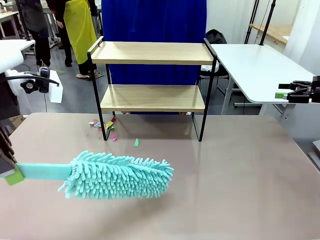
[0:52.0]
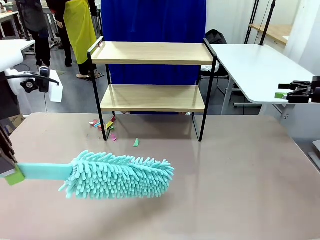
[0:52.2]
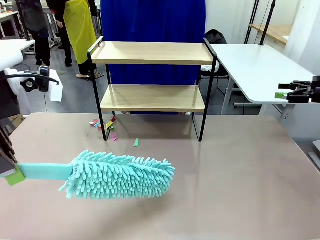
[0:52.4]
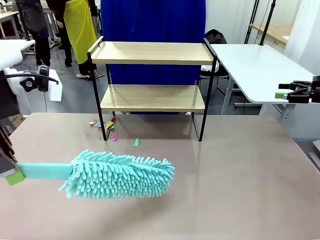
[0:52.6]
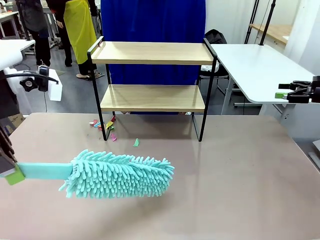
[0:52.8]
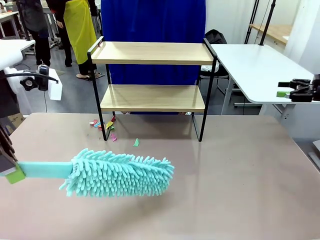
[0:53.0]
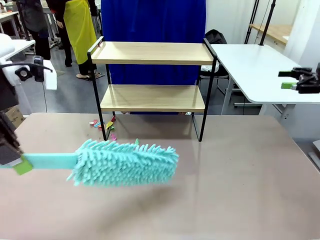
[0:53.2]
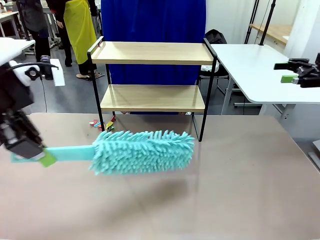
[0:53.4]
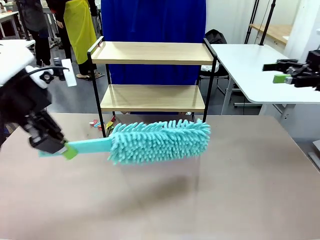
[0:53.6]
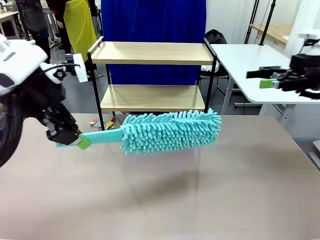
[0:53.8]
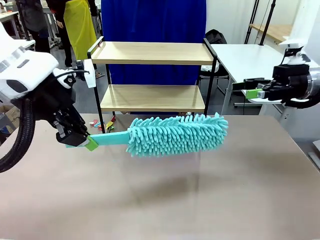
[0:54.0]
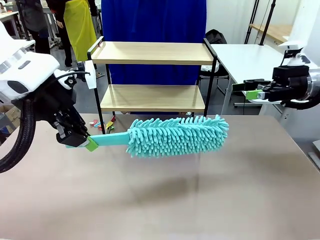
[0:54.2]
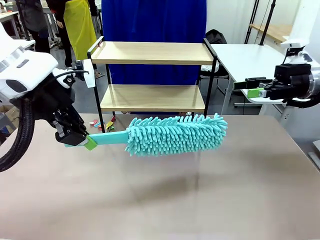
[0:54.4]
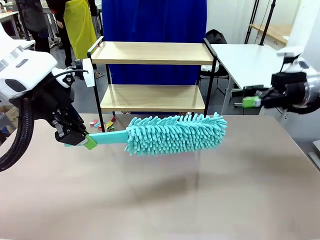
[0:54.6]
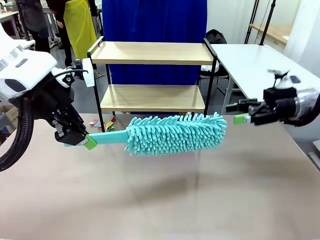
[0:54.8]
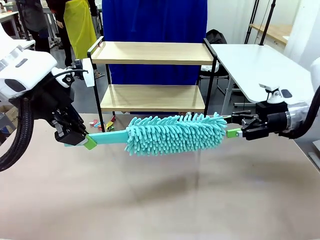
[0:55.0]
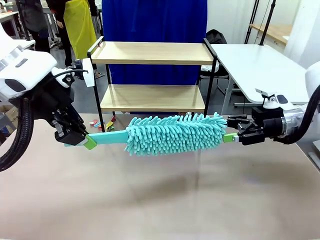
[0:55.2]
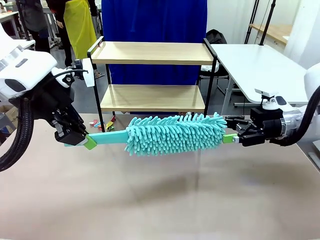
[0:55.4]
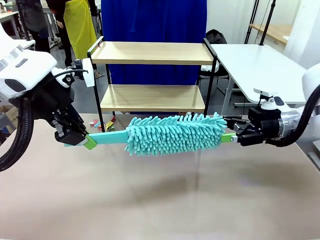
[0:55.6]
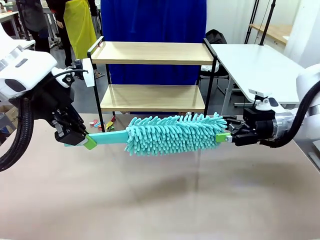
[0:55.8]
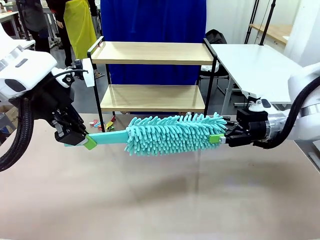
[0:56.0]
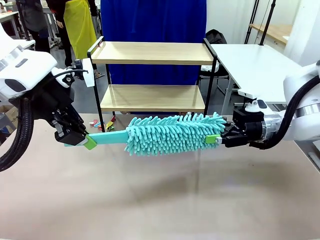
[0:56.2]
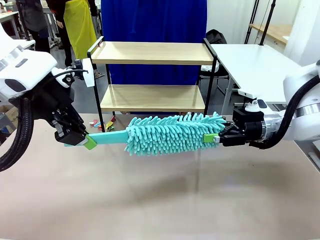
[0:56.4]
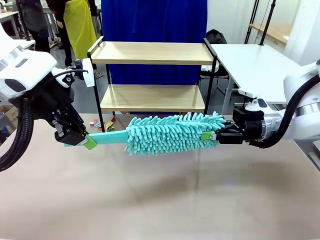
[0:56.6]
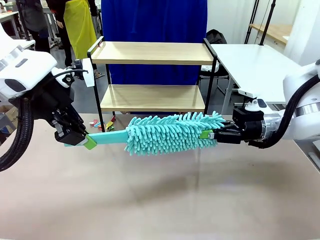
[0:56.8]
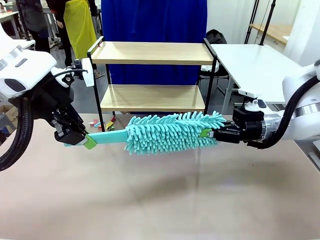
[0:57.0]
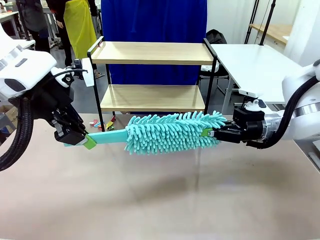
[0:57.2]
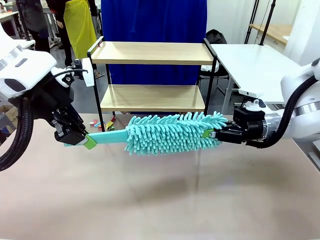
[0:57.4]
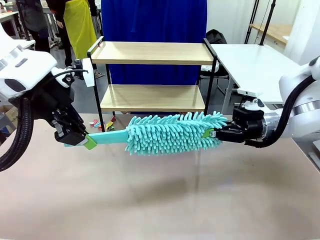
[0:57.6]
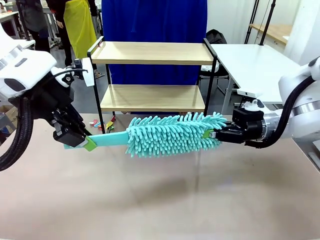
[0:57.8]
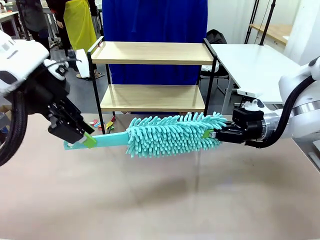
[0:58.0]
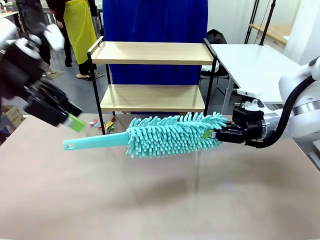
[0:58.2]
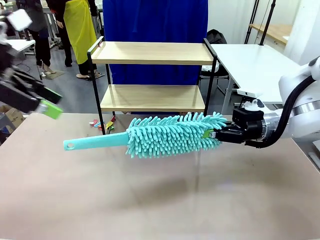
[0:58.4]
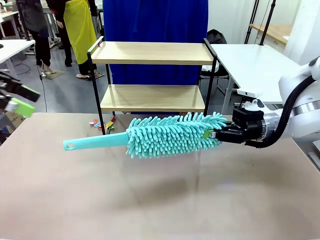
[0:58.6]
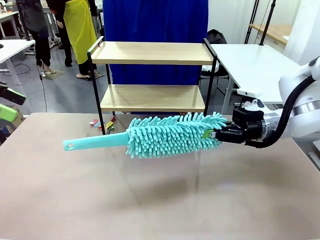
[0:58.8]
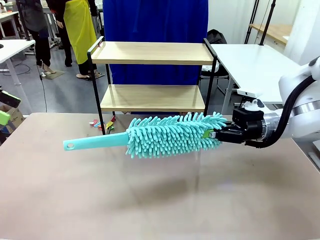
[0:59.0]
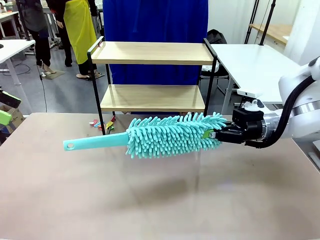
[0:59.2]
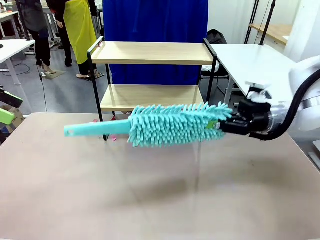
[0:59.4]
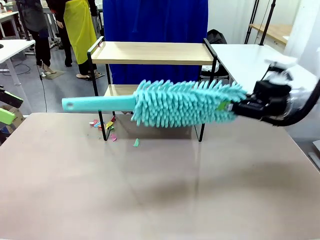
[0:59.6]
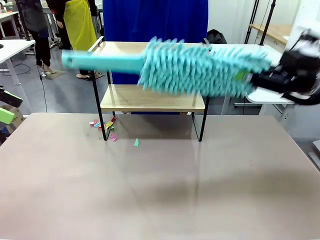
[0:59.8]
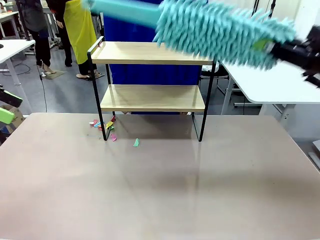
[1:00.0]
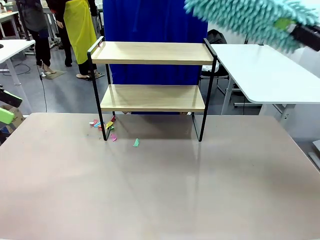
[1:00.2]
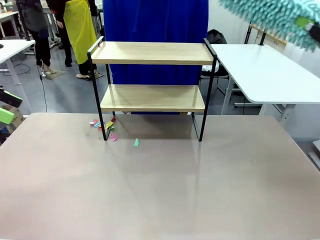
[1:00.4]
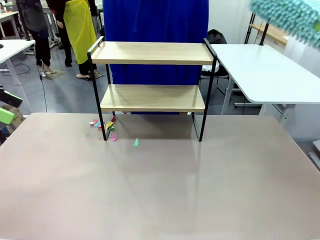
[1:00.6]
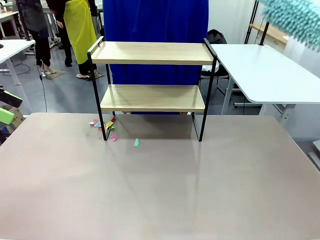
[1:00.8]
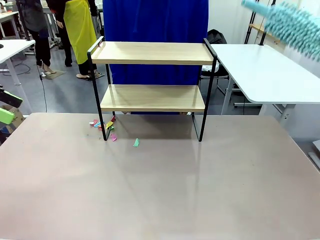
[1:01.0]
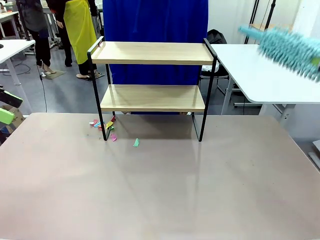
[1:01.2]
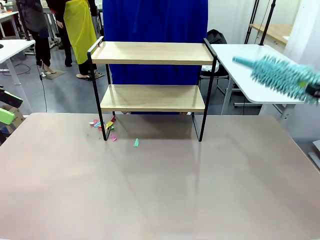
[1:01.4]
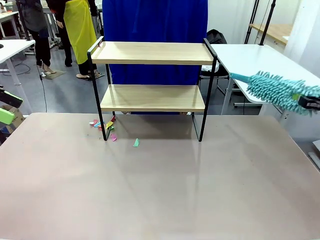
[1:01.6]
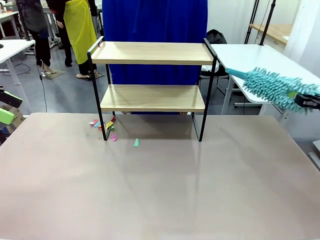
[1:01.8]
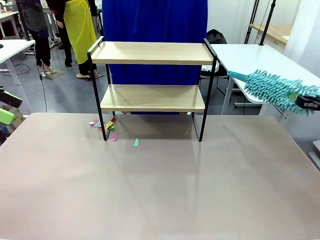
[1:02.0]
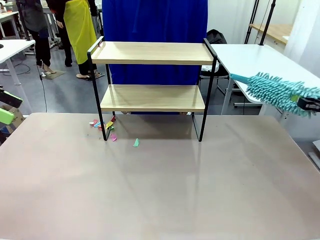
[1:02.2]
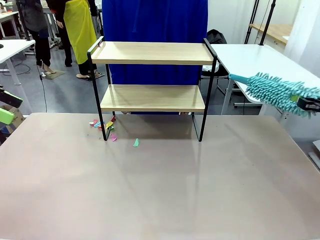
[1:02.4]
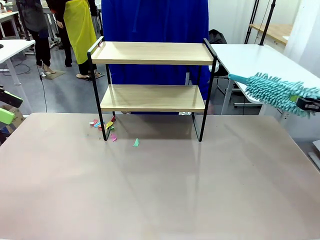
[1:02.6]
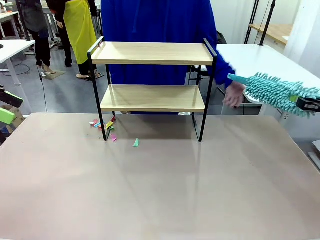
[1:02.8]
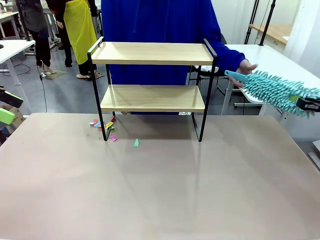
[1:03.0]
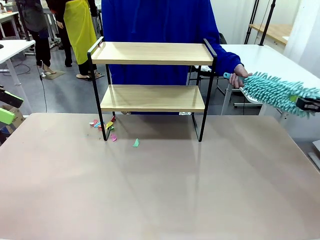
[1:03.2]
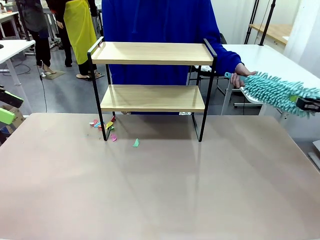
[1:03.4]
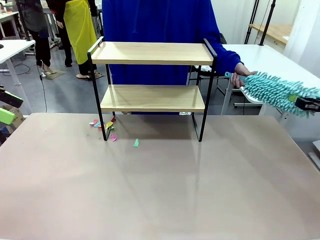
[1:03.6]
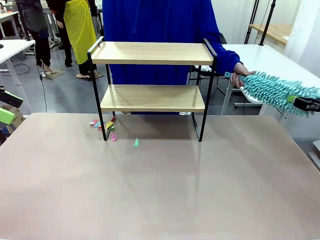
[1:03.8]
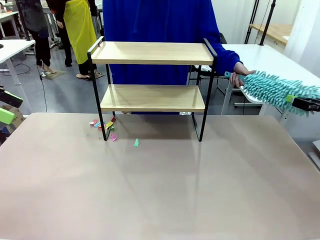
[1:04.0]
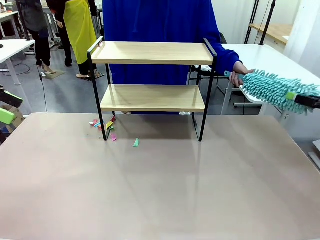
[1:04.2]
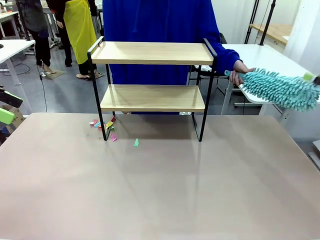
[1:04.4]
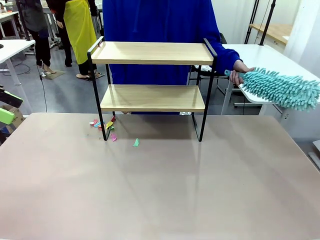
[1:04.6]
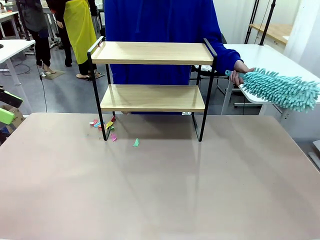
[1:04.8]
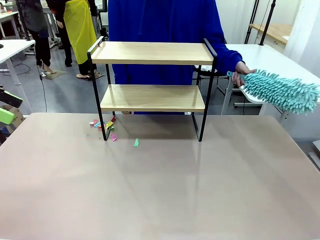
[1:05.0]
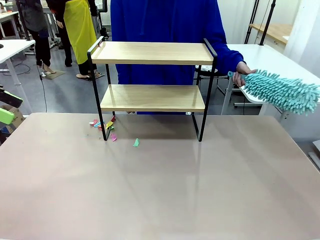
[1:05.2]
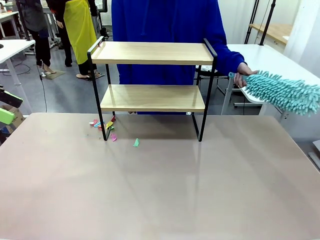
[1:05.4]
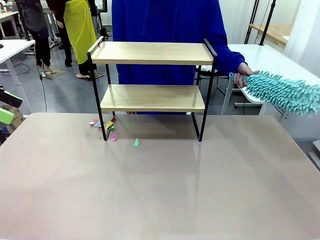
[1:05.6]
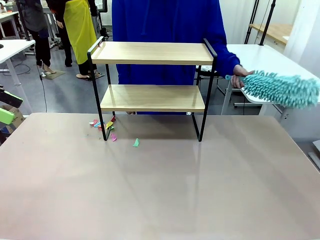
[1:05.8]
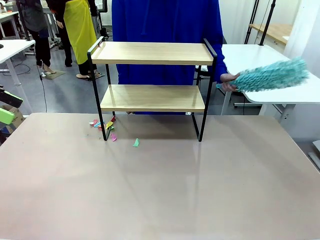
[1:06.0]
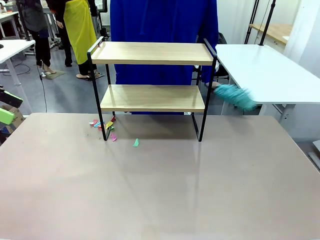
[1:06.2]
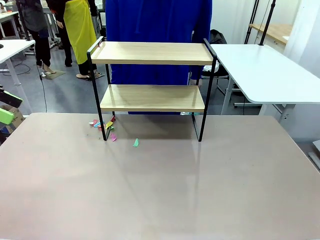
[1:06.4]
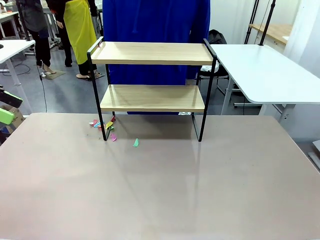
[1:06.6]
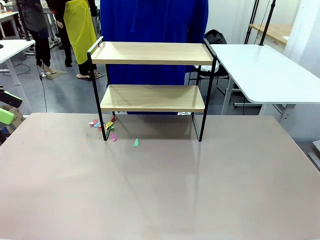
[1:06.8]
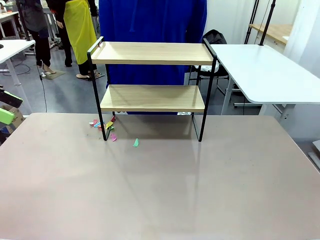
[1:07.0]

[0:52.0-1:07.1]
Task: Clean the shelf.
Robot: Hand the Duster back to the human.
Person: Receive the Duster from the robot.
